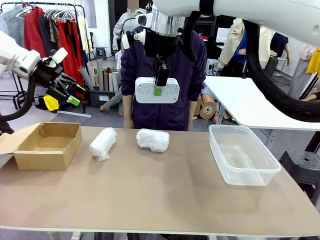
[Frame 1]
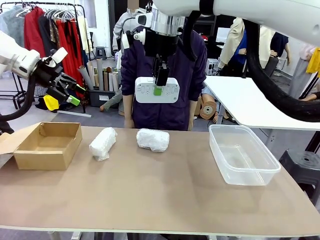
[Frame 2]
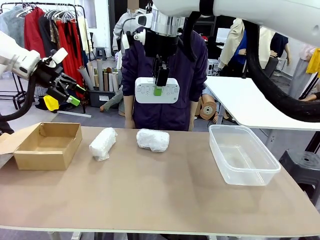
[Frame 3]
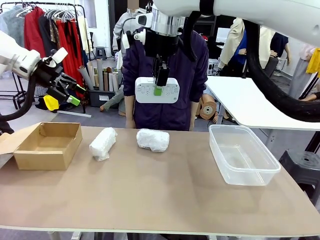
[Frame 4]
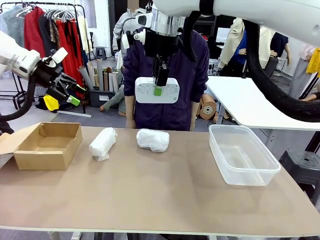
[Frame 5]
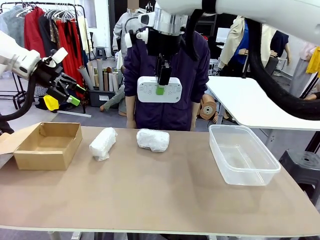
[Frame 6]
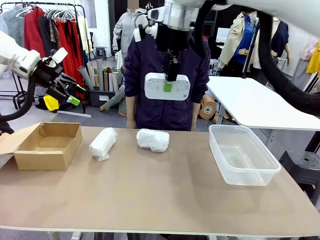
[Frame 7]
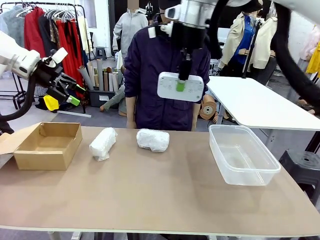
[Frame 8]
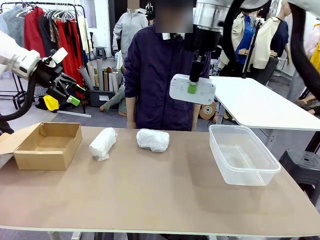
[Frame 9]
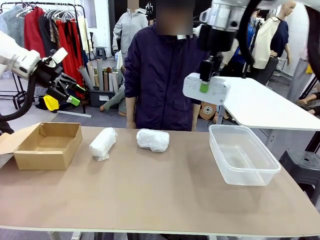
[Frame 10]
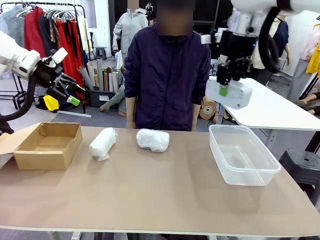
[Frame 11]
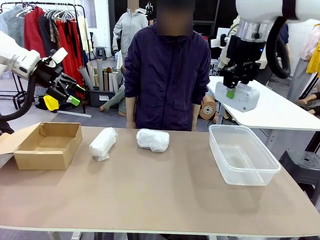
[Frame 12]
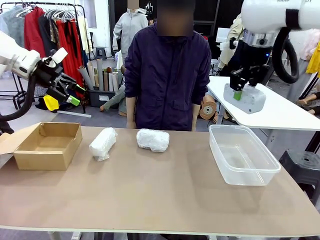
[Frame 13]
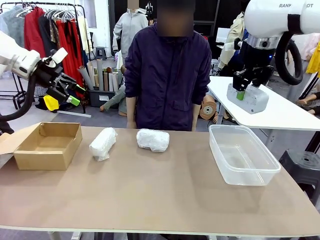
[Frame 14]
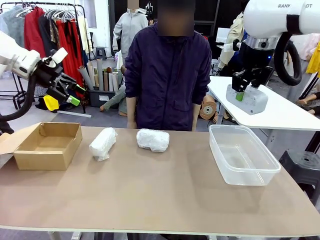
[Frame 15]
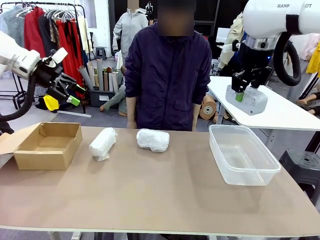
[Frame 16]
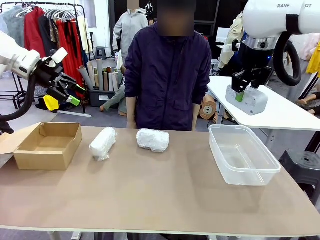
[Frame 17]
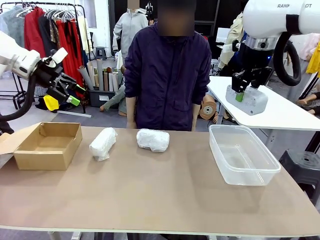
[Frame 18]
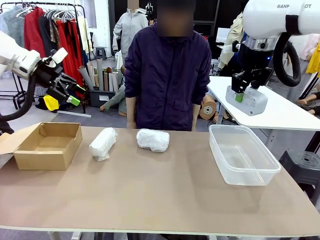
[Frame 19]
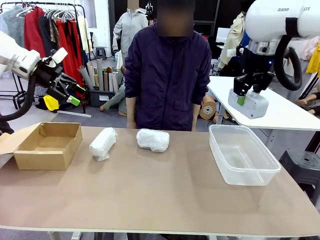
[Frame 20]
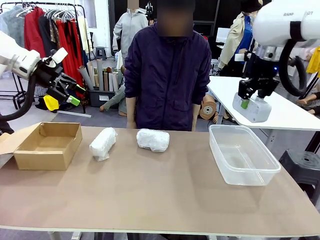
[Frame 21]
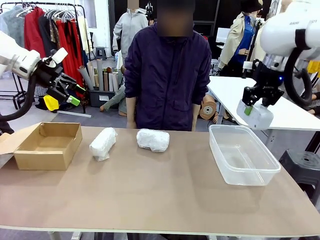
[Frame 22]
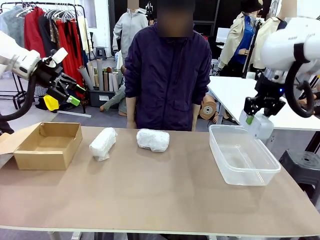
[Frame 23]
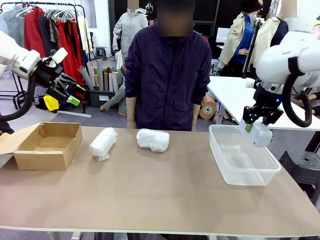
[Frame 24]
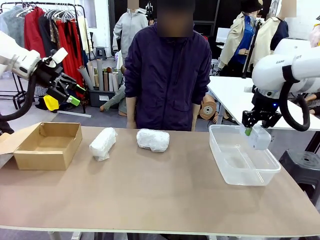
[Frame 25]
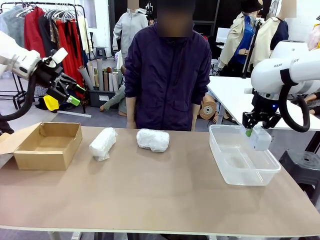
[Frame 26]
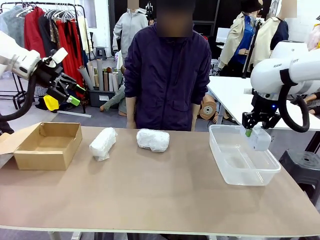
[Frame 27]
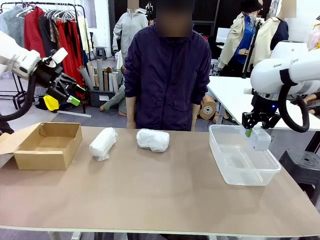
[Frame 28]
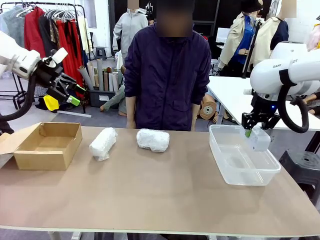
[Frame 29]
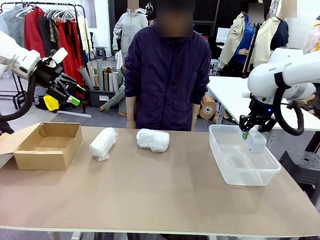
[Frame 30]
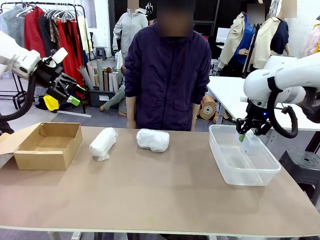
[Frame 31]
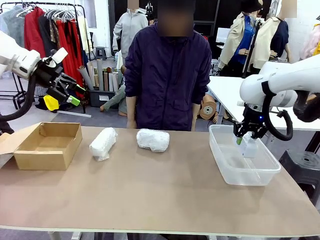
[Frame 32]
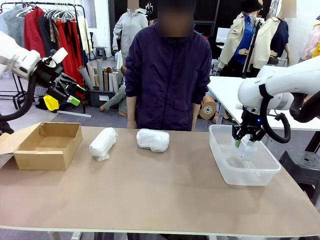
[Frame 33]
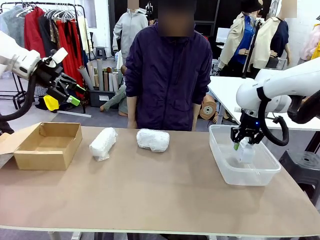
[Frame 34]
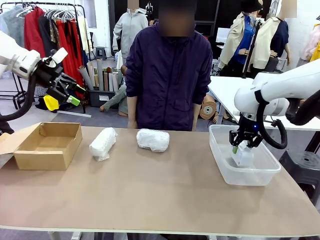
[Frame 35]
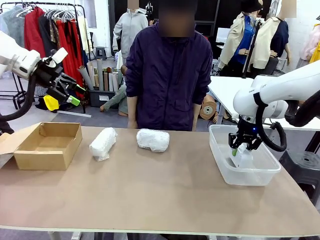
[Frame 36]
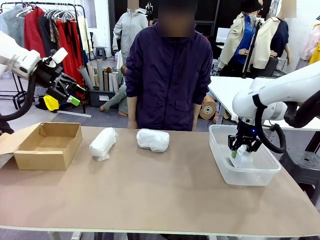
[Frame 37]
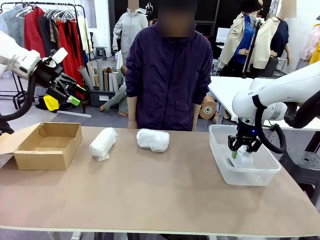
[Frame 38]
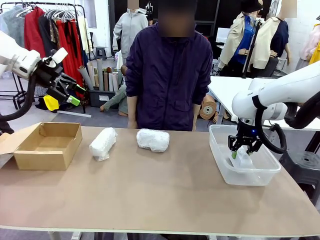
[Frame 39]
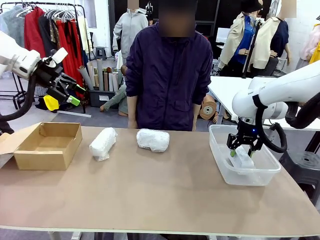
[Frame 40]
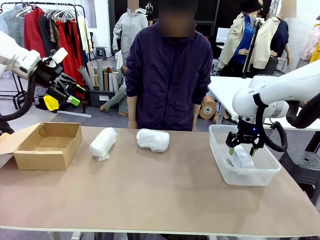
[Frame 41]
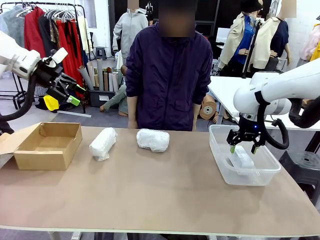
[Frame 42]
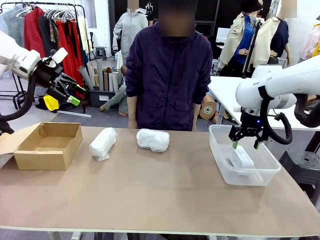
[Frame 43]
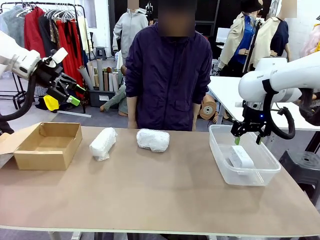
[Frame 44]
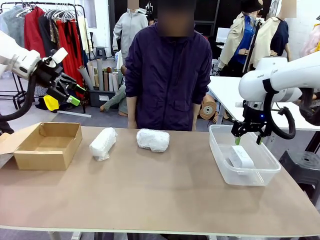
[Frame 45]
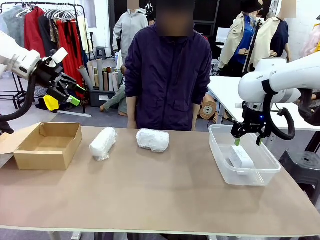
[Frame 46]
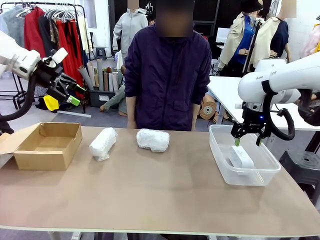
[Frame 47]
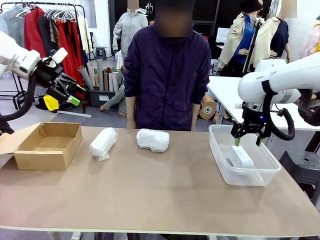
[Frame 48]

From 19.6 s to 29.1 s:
Task: Separate and place wrapped and unwrapped clocks.
Robot: If the picked Digital clock is wrapped, place it in the Package Box ; if not, place it in the Organizing box.

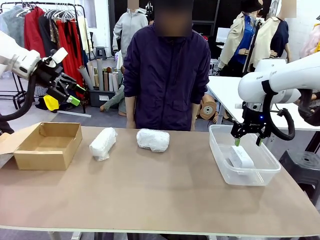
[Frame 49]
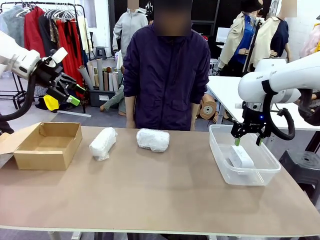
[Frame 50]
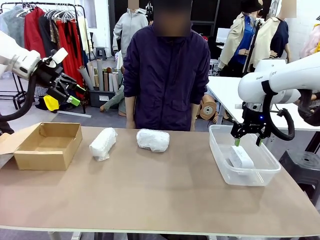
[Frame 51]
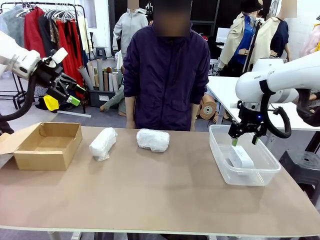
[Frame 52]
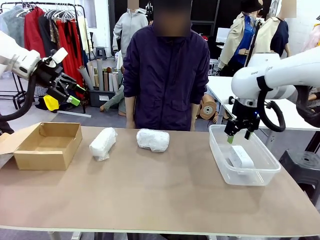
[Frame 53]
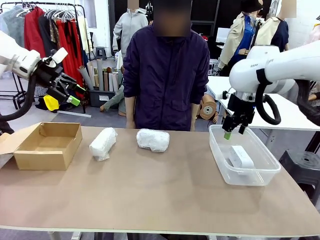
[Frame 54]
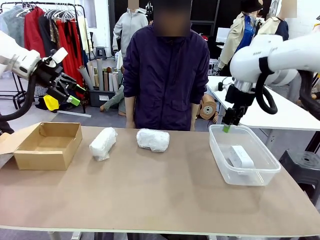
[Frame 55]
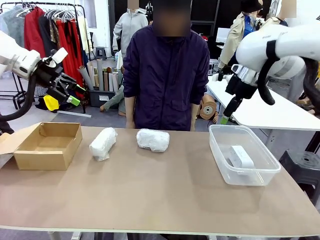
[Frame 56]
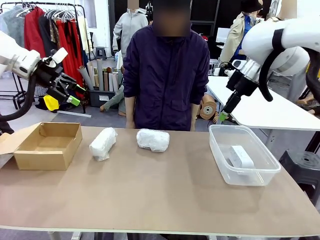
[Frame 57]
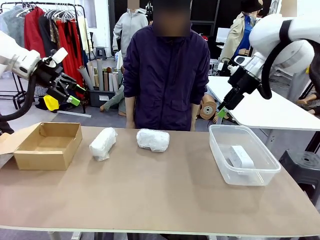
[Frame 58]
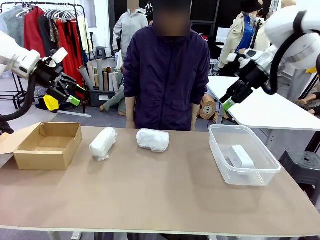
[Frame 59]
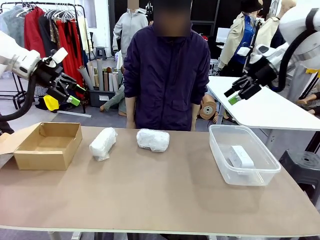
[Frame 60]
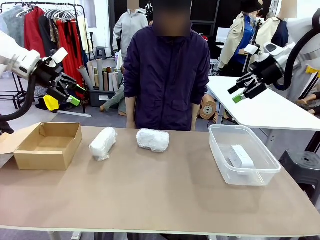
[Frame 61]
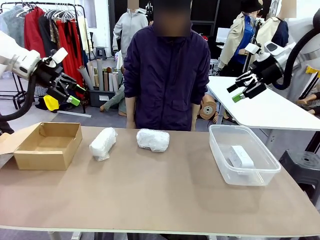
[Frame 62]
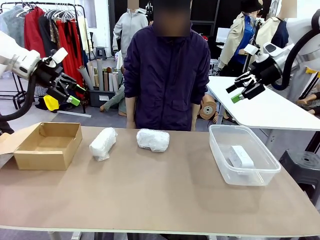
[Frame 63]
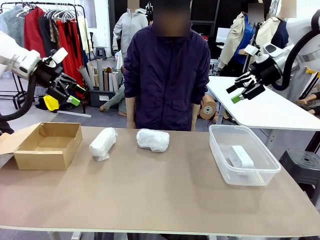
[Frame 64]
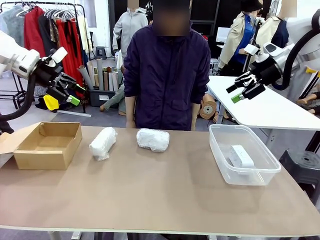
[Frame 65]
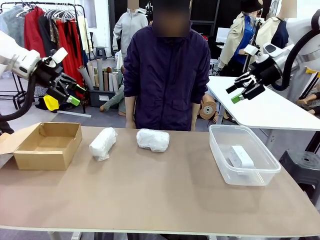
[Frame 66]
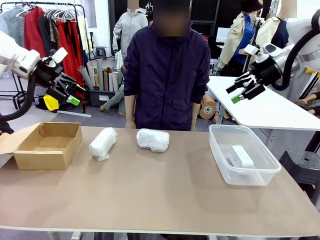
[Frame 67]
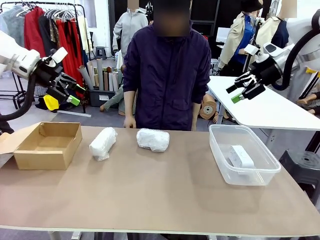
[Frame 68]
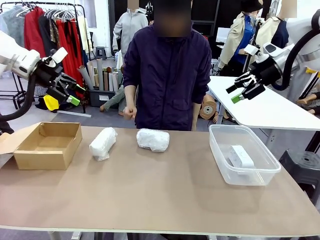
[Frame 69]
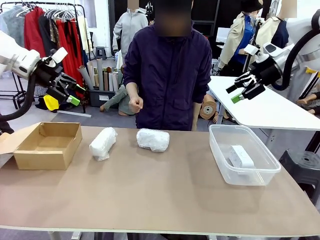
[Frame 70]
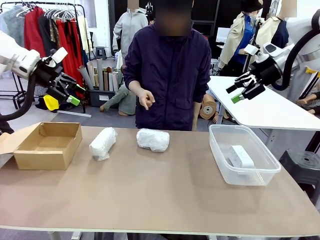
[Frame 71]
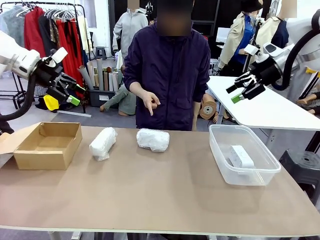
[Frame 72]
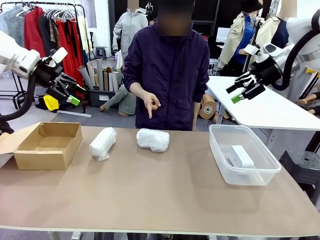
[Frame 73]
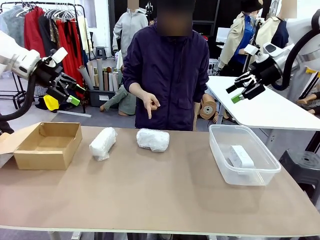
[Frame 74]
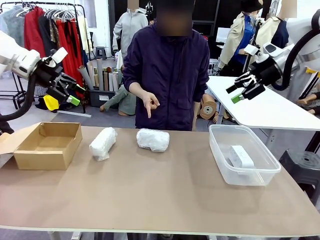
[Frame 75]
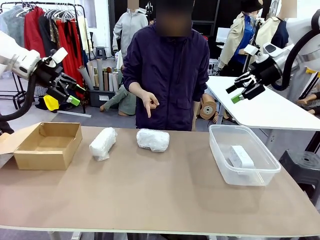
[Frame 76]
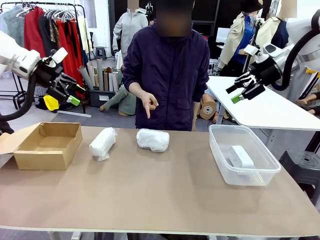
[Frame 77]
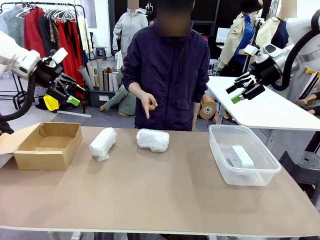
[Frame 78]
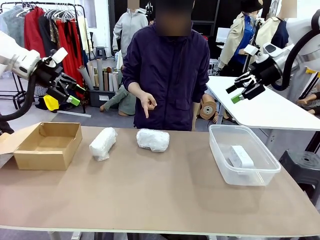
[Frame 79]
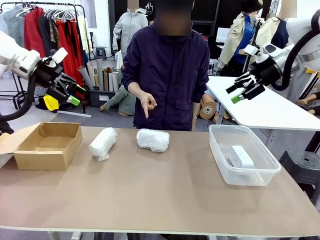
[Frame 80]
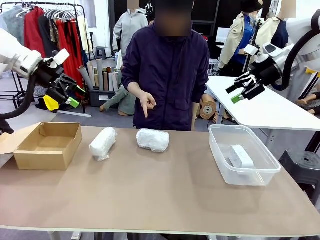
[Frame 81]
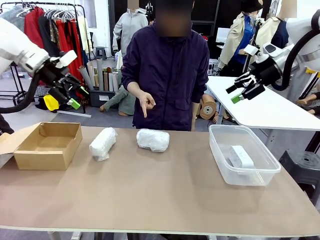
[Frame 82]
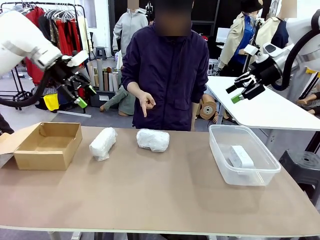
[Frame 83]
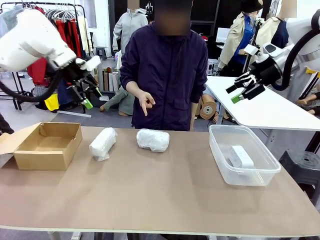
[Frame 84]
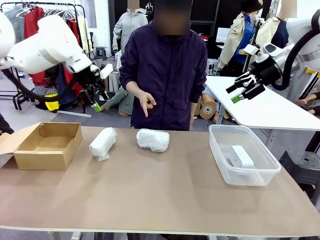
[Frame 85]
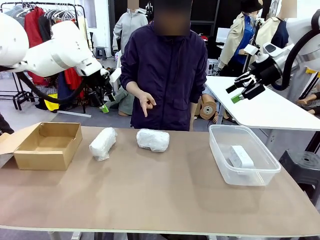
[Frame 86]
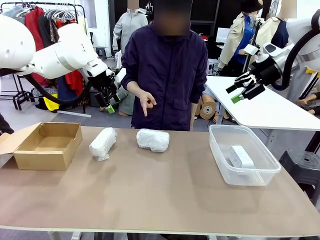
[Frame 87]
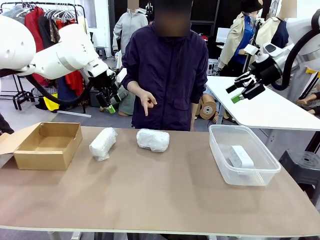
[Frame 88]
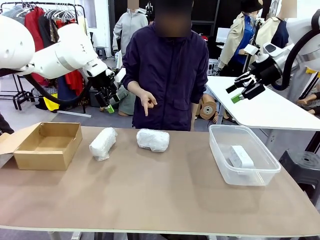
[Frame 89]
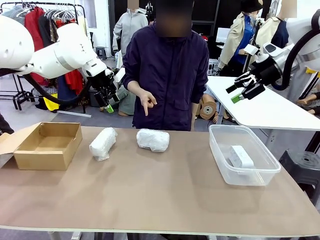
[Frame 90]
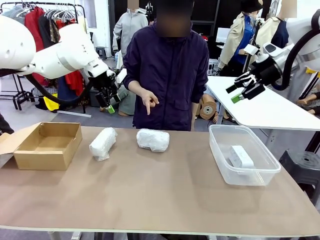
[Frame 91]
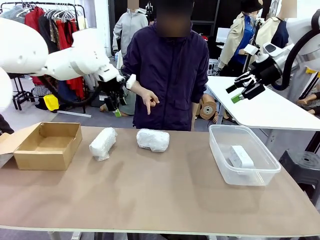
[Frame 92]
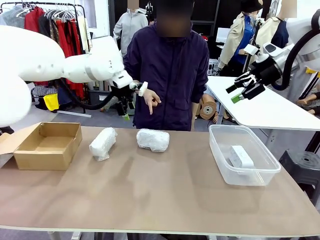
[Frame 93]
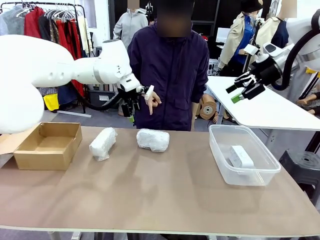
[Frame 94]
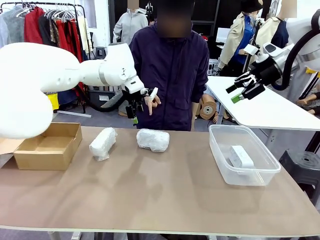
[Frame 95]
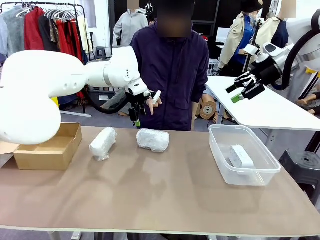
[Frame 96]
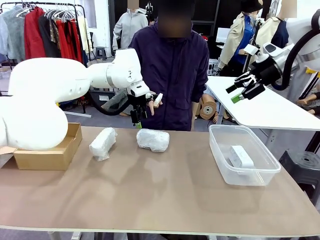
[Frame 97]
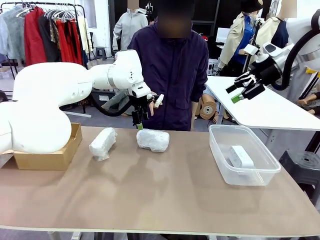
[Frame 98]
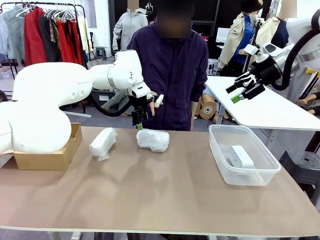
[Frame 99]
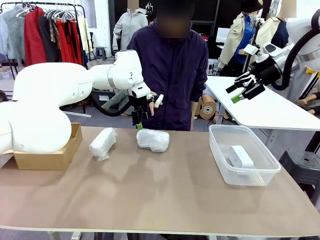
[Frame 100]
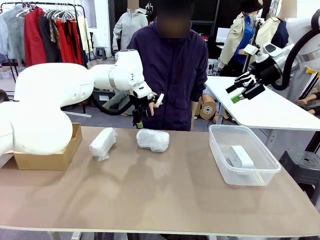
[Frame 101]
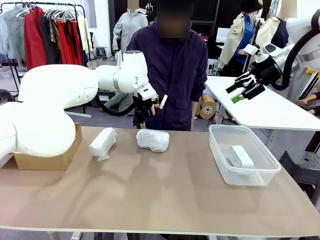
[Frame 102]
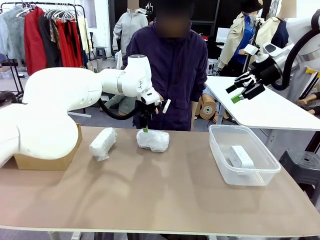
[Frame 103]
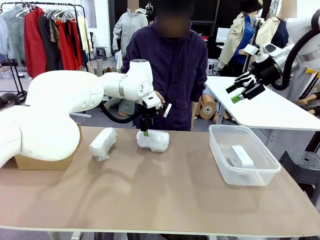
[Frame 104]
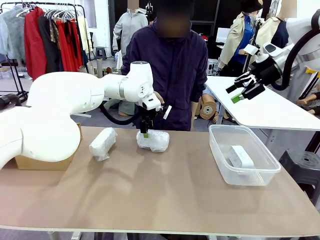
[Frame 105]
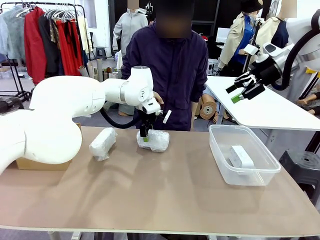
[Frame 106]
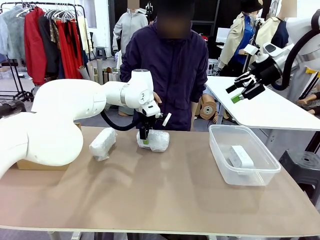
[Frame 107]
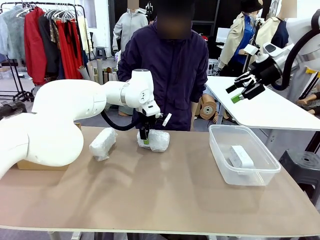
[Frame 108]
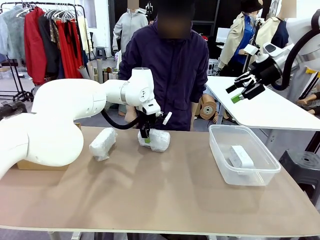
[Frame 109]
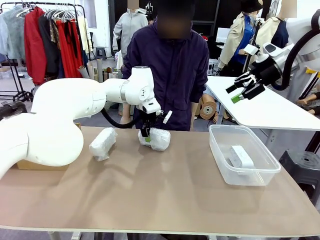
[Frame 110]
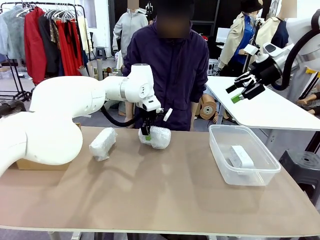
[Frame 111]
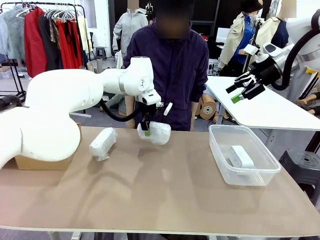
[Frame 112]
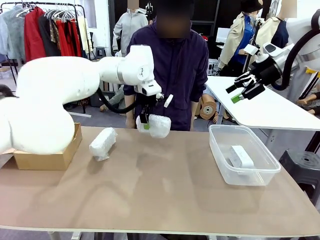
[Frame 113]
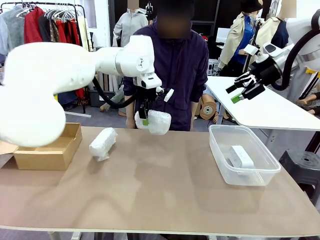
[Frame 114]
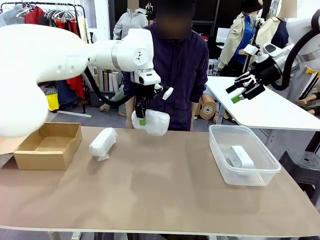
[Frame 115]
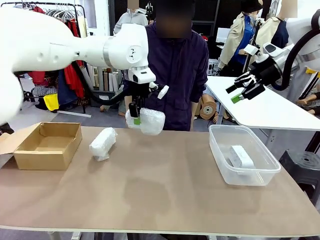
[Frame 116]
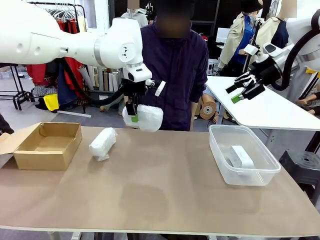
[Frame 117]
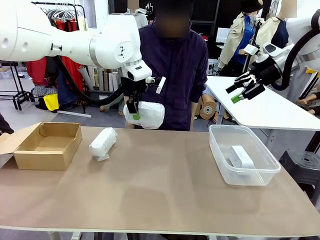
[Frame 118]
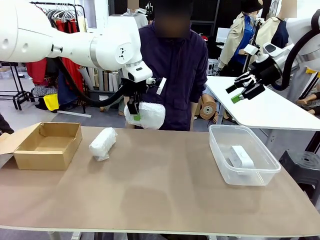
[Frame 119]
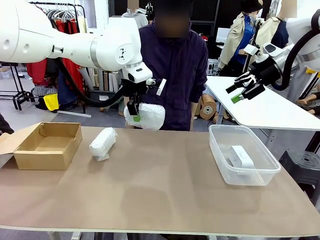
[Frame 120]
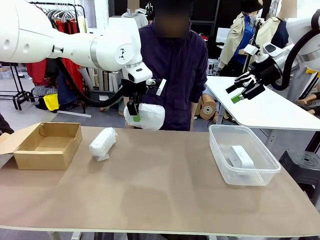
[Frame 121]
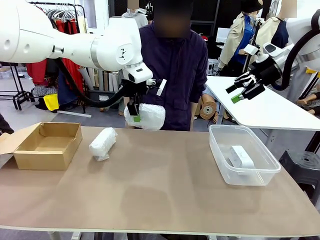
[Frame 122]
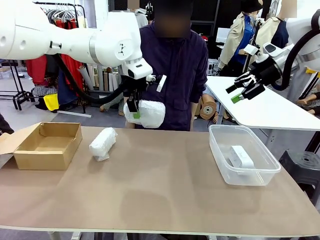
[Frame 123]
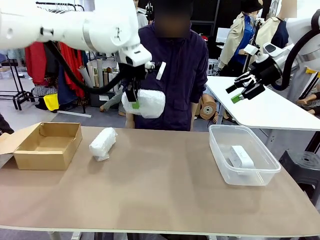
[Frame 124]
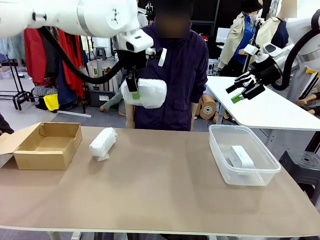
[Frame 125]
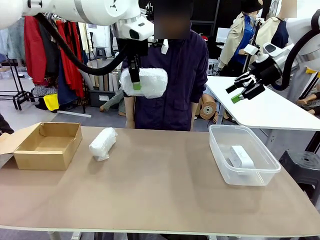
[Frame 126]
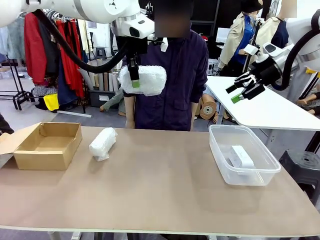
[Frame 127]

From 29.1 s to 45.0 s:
Robot: Pick up the Digital clock indicated by the person.
